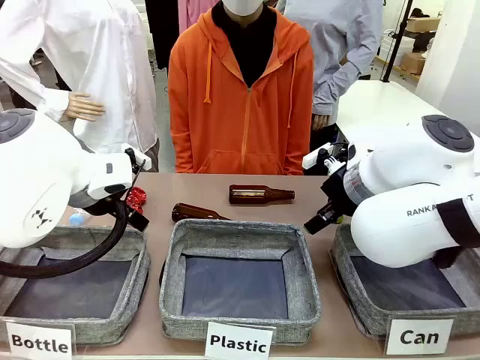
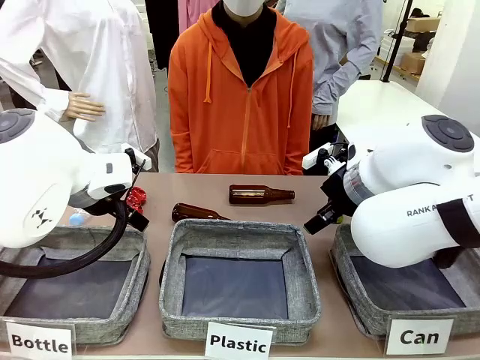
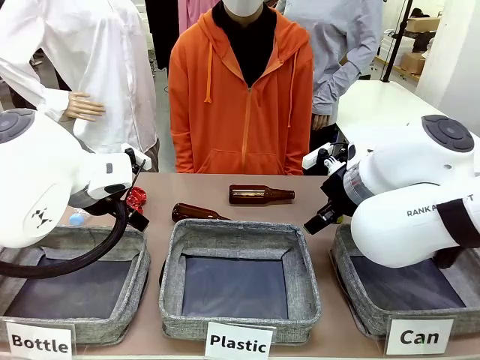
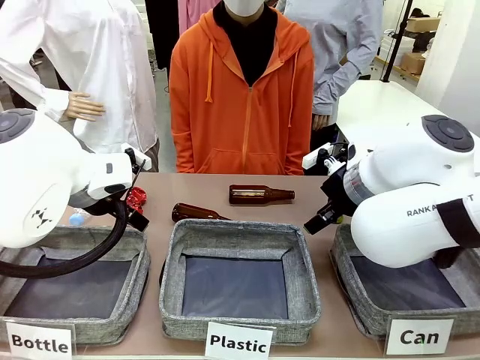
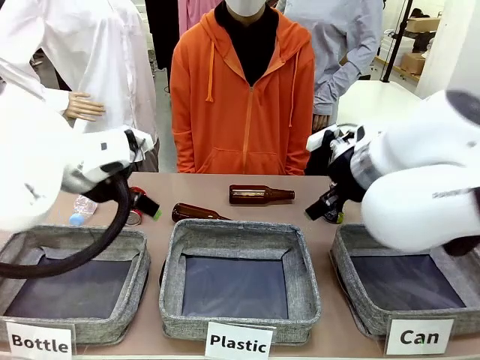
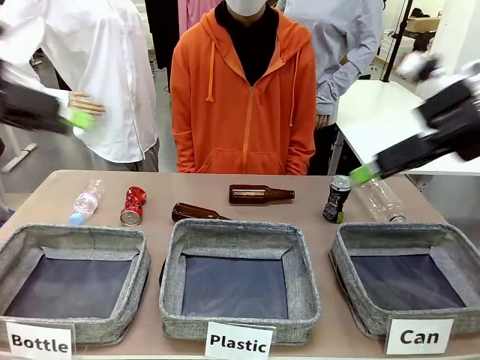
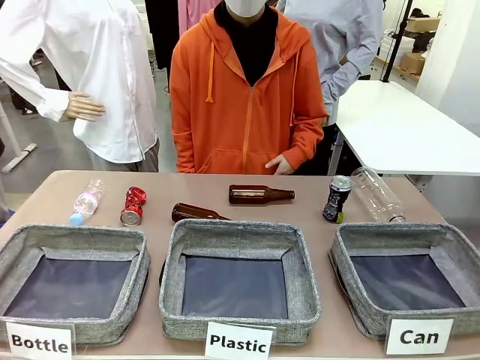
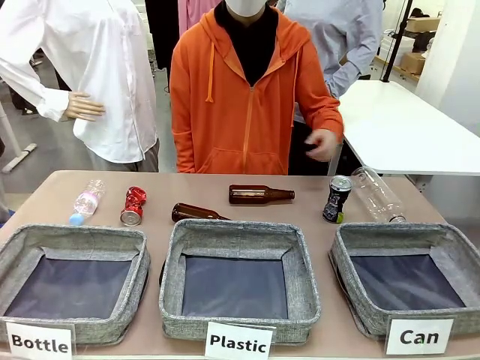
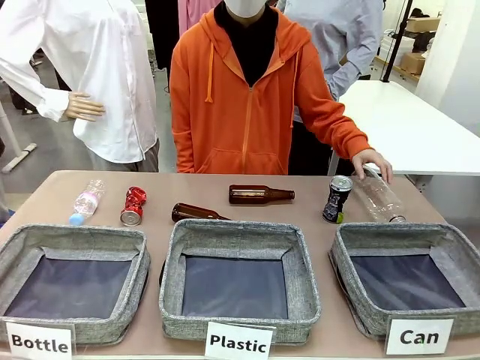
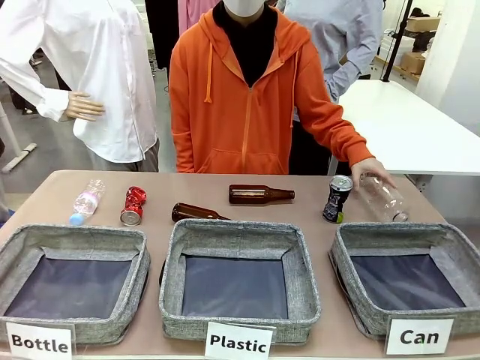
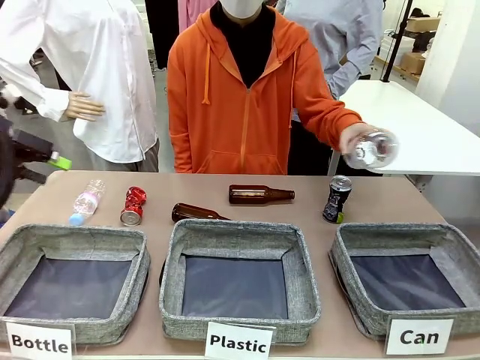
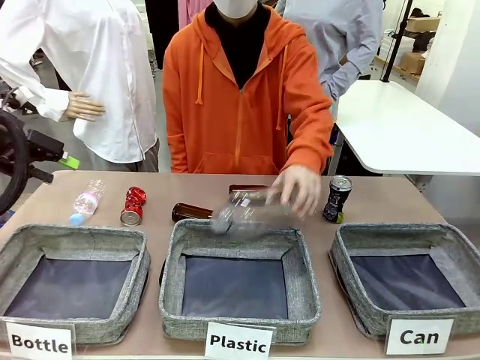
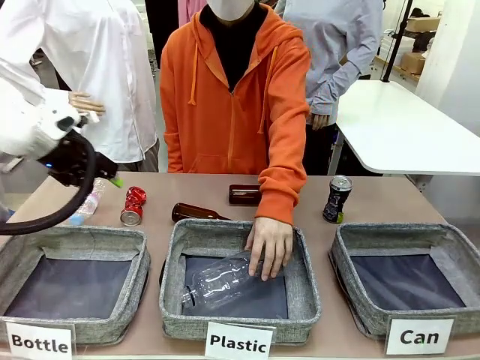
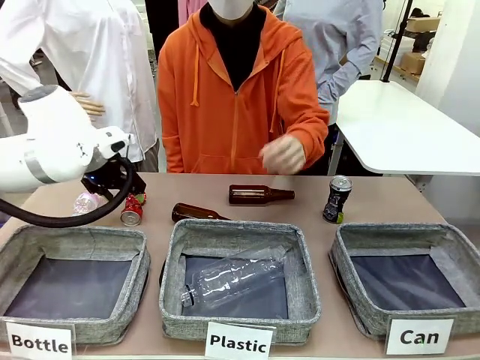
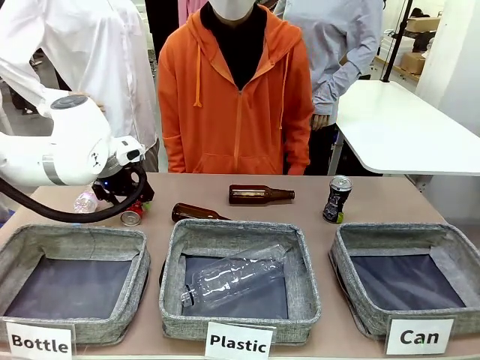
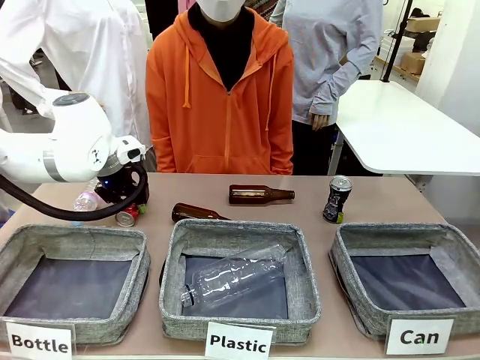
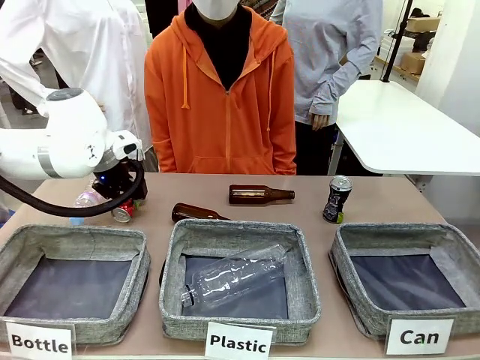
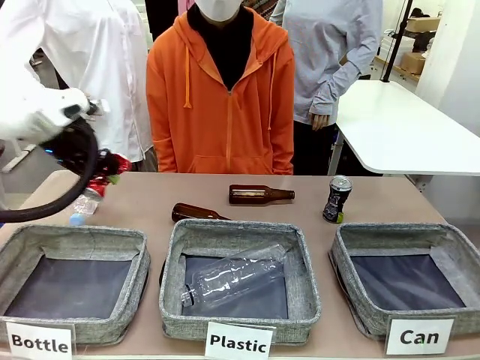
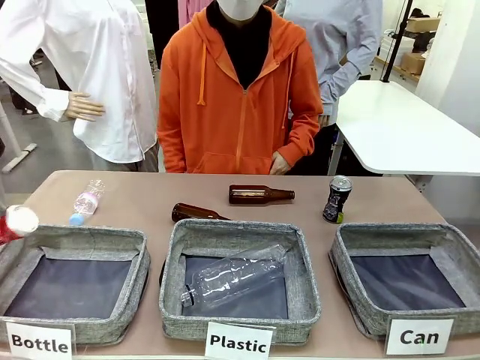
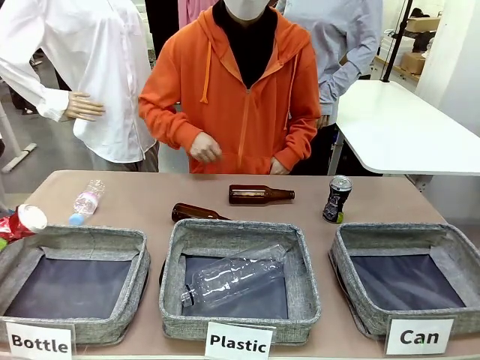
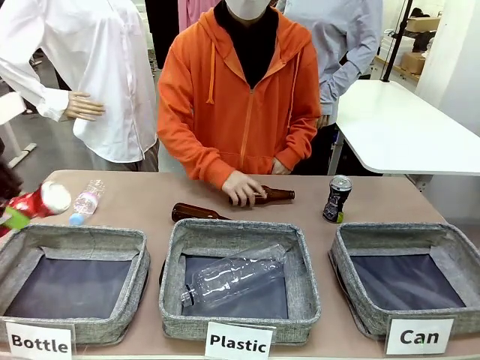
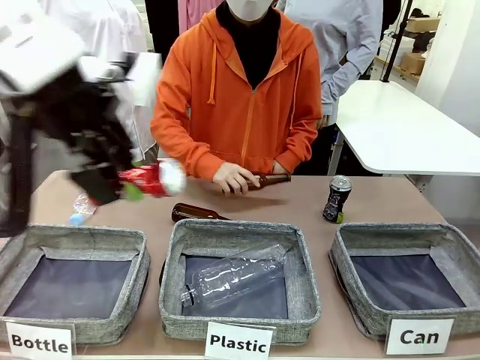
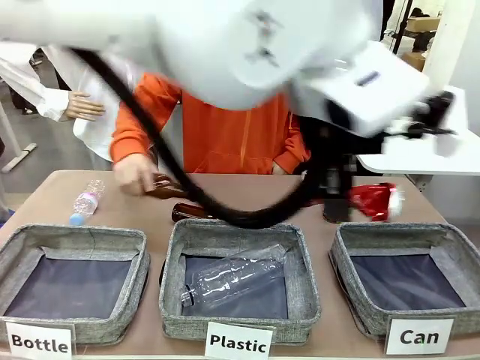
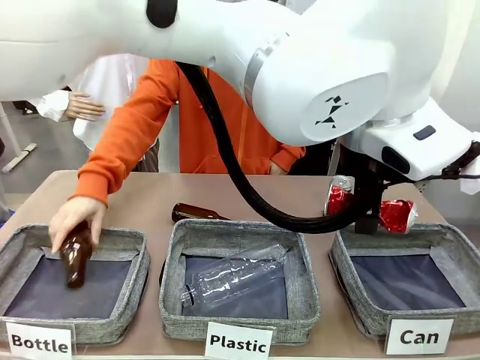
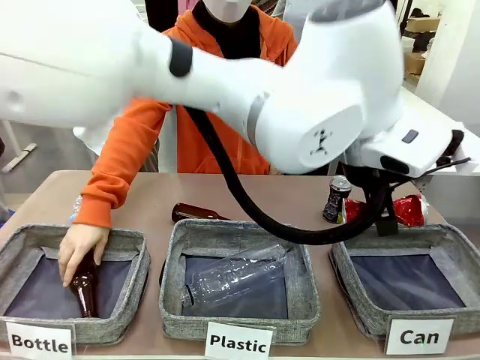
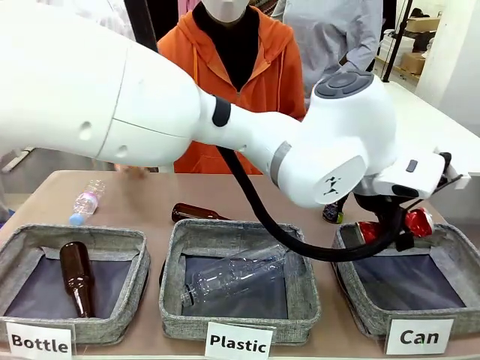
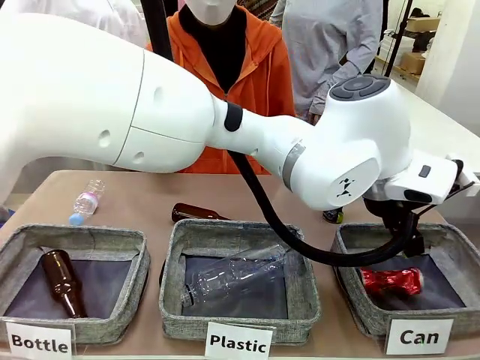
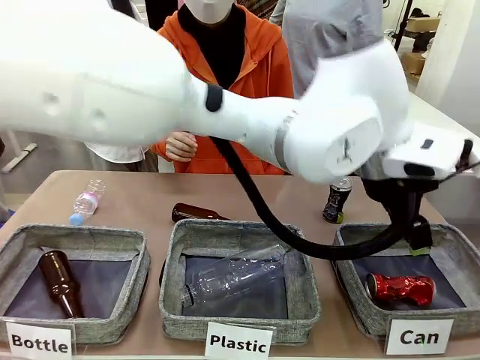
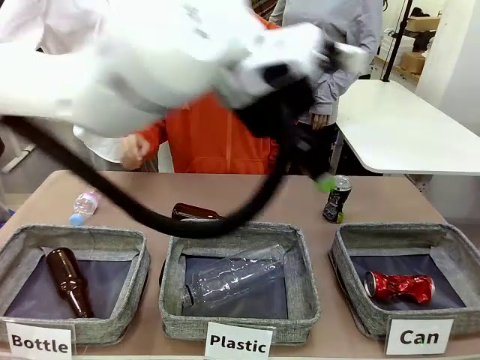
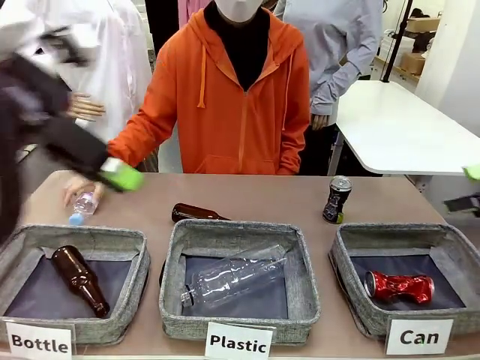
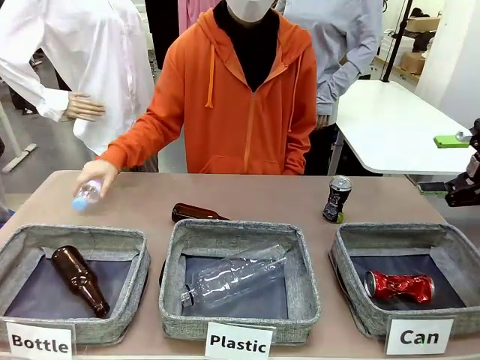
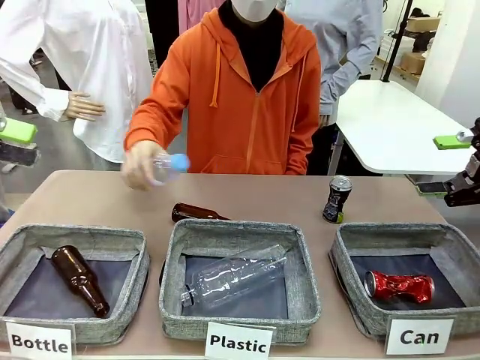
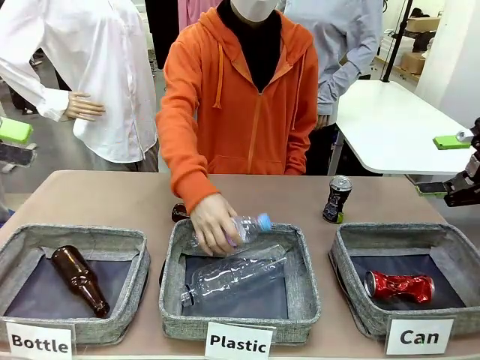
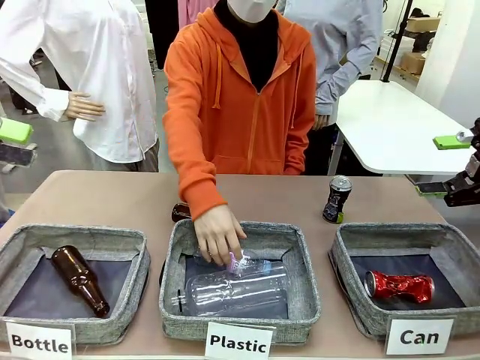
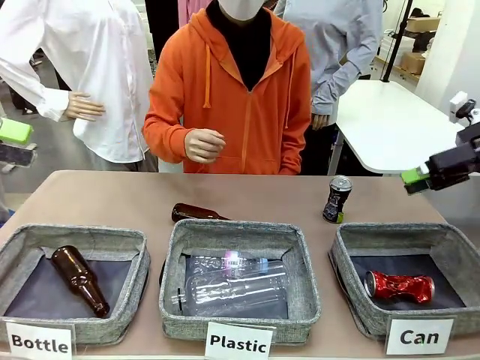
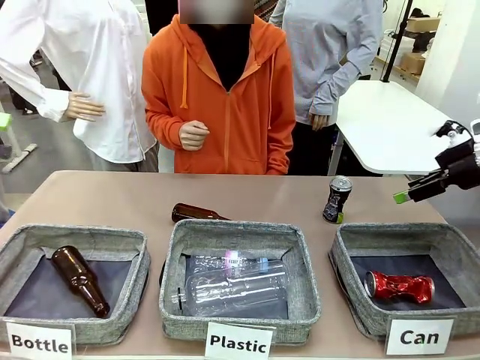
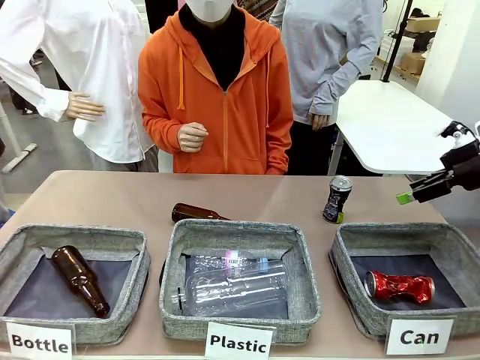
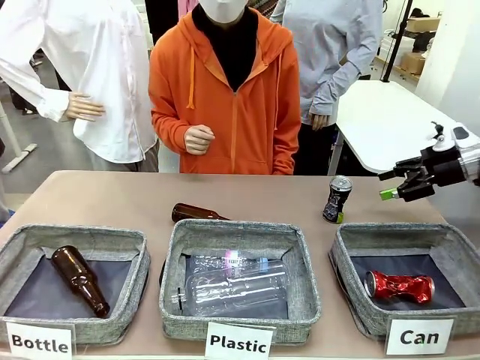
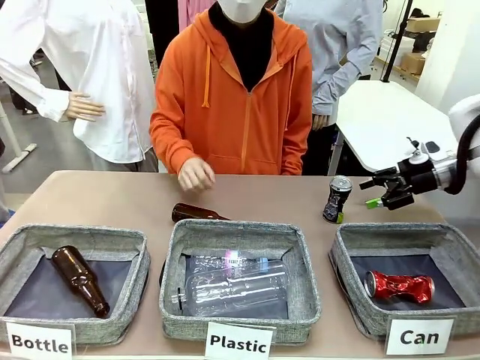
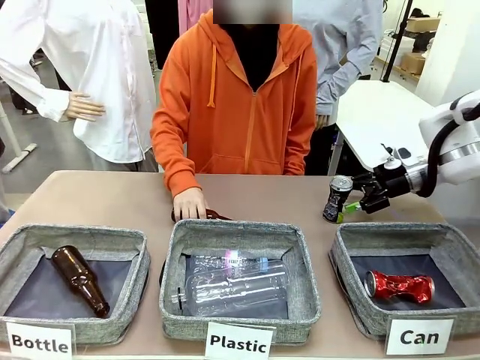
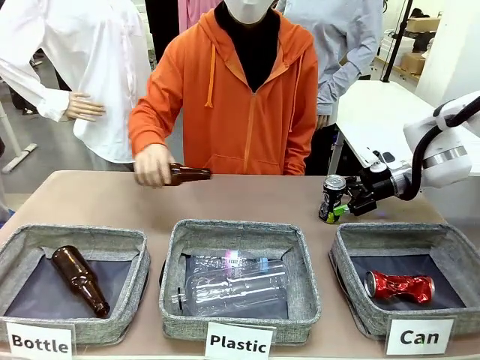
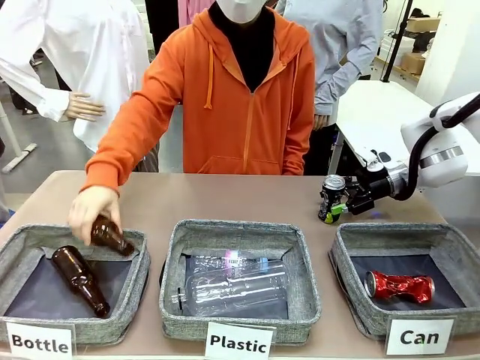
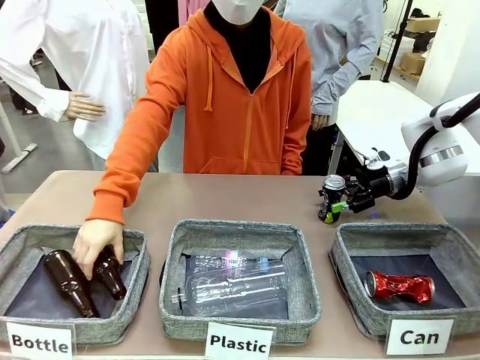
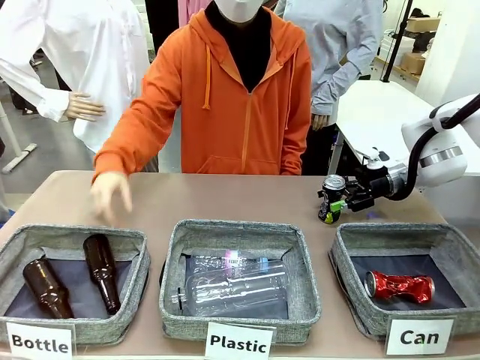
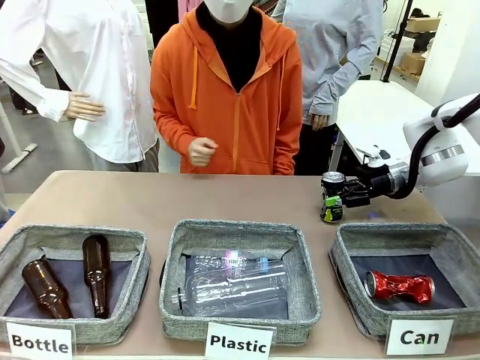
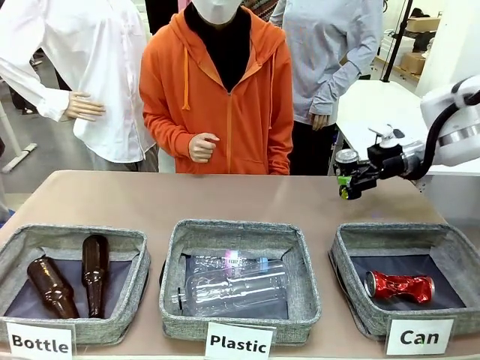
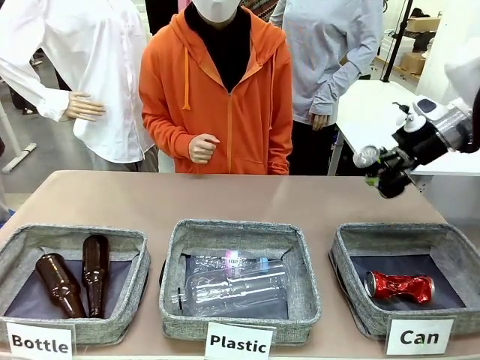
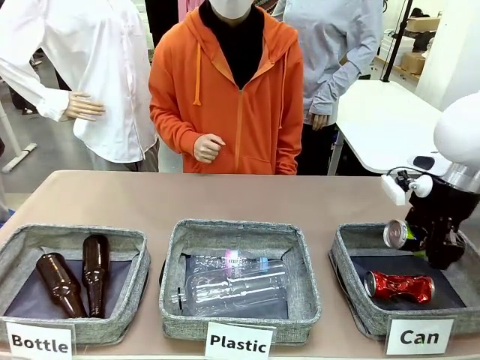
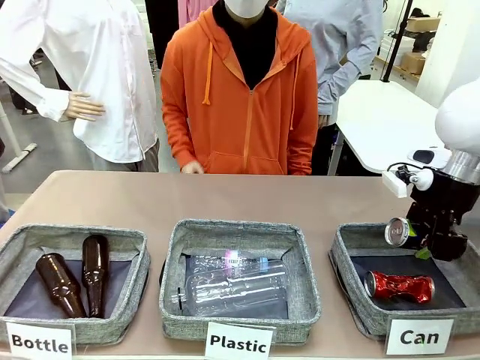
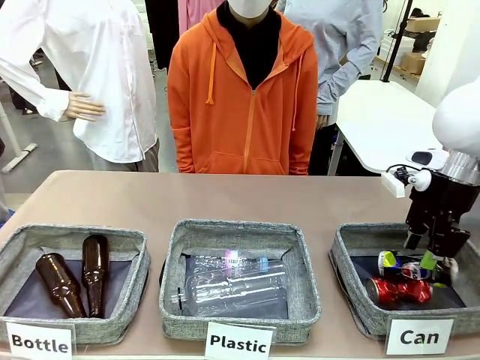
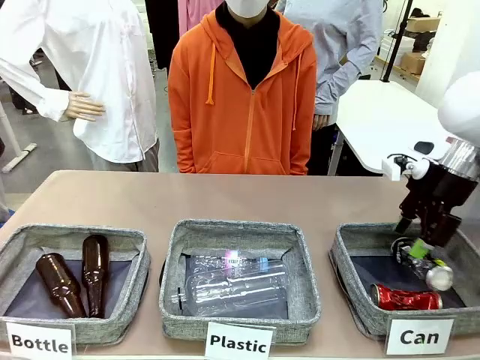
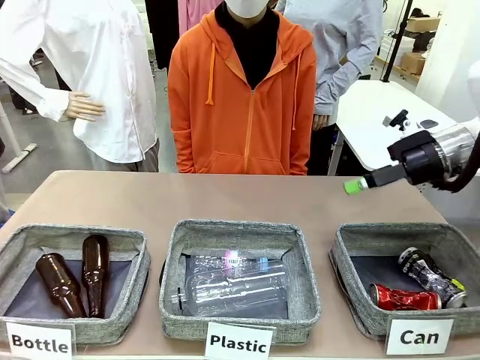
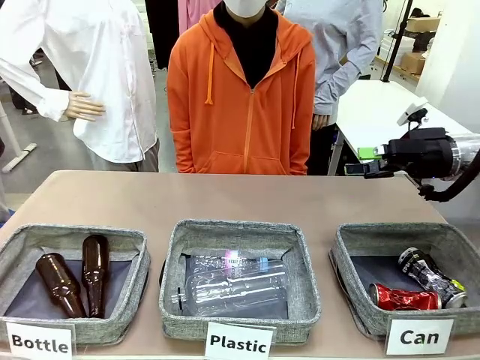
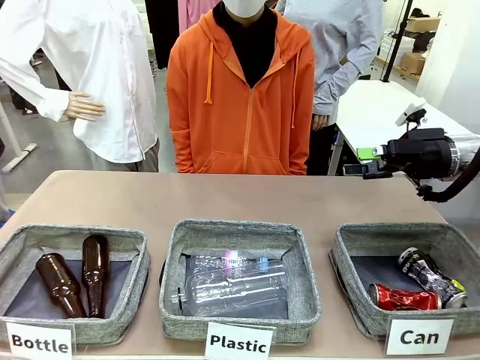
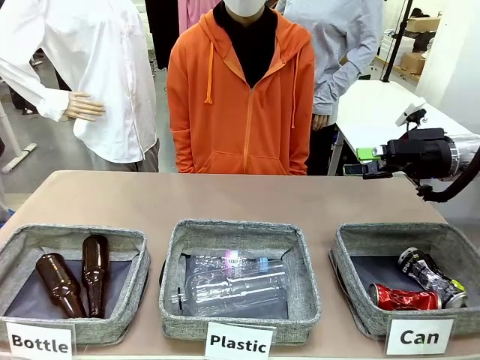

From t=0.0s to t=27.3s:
Task: Sort the can waste into the basket.
Robot: Pick up the can waste from the table and place it in the right Fabric basket.
Person: The human picks up one piece of trash that is not a can and places the trash into the appropriate organizing basket.
